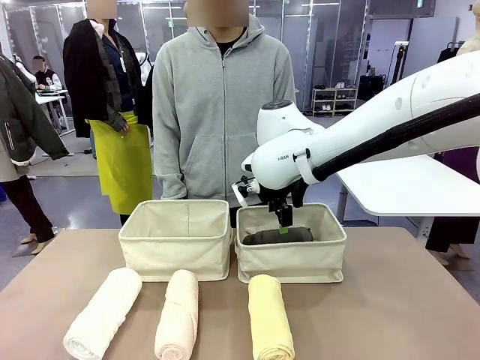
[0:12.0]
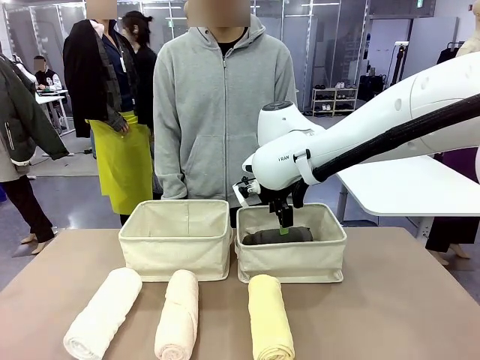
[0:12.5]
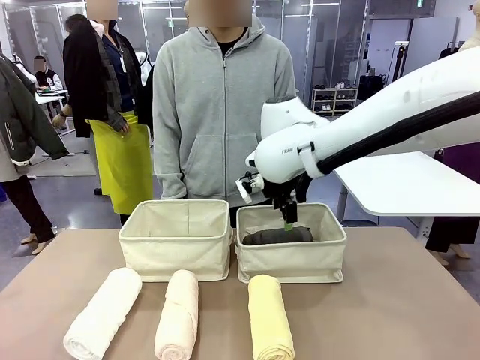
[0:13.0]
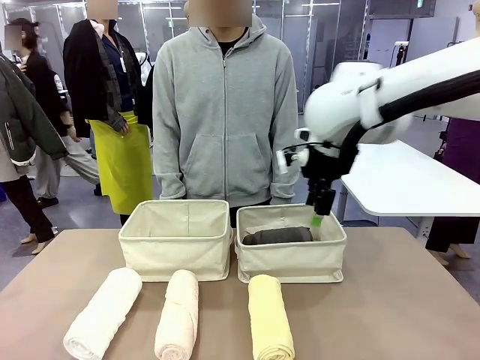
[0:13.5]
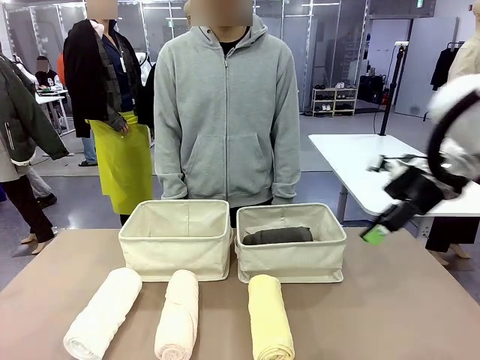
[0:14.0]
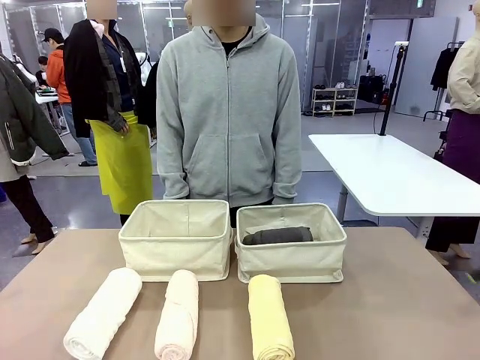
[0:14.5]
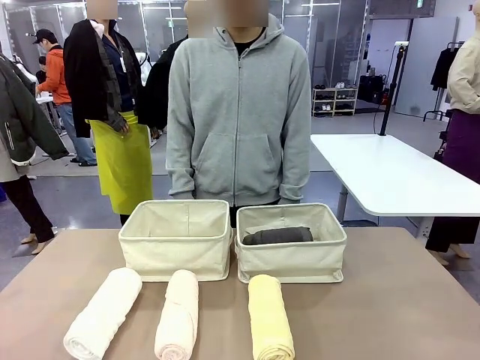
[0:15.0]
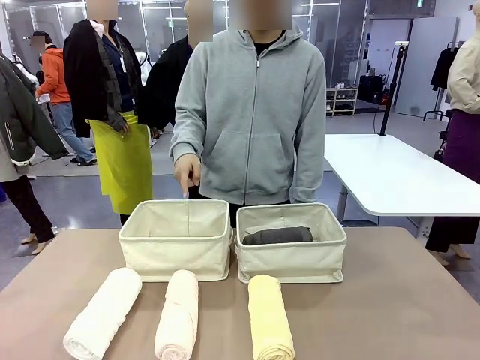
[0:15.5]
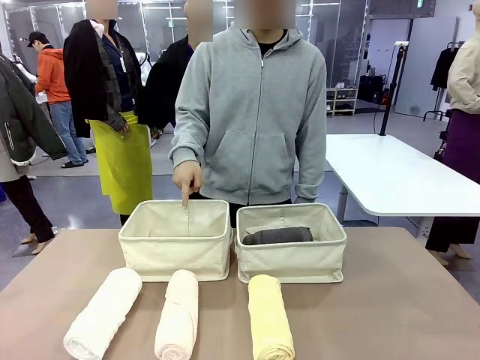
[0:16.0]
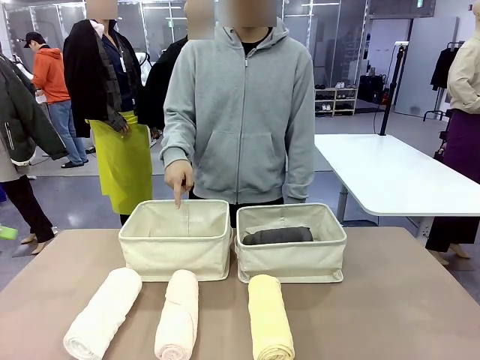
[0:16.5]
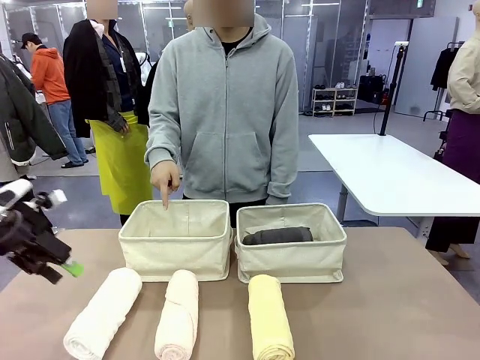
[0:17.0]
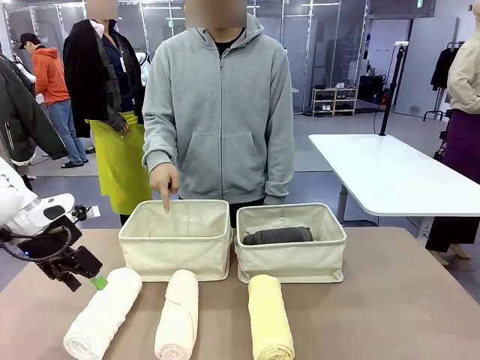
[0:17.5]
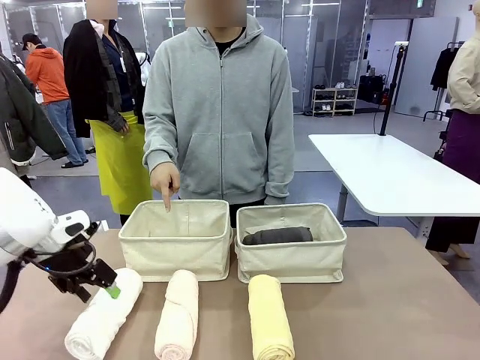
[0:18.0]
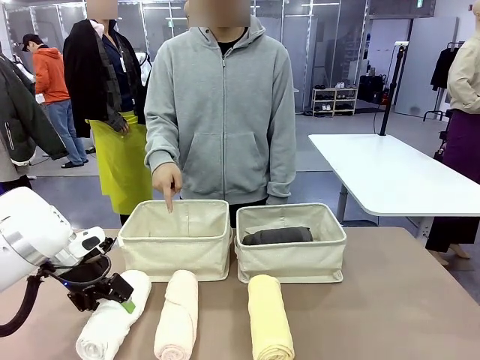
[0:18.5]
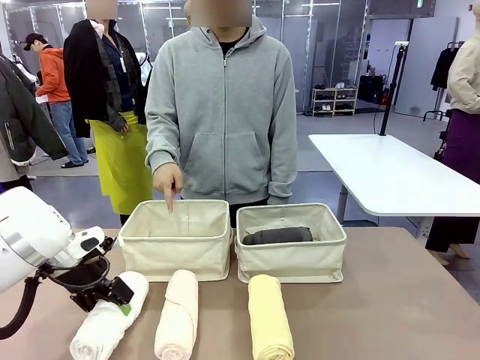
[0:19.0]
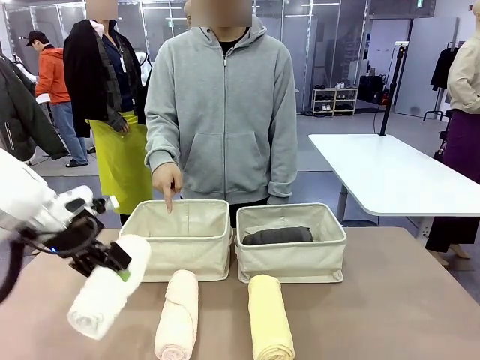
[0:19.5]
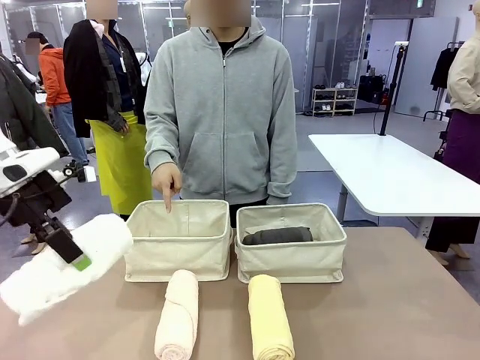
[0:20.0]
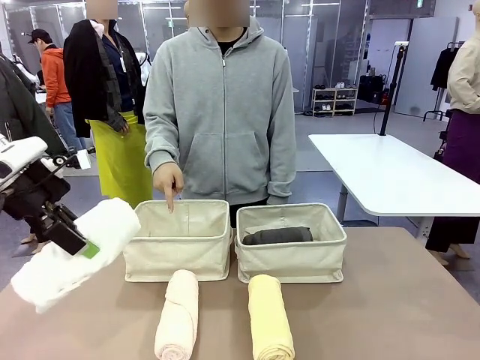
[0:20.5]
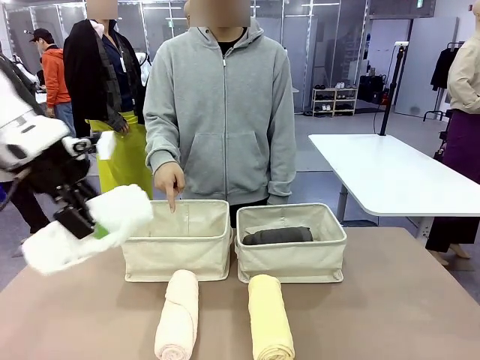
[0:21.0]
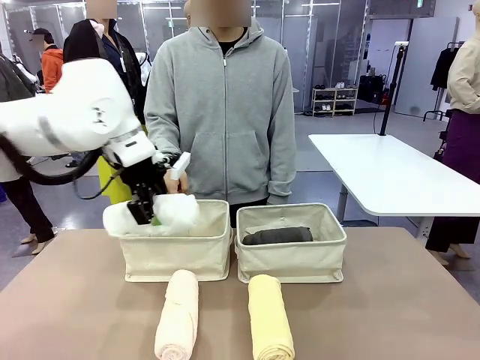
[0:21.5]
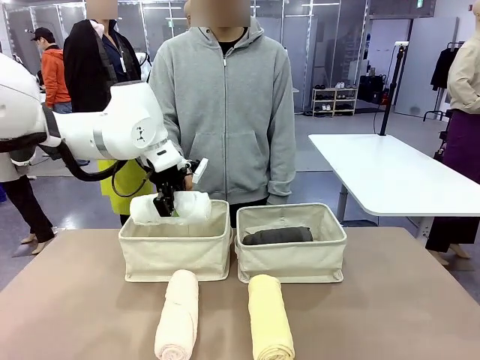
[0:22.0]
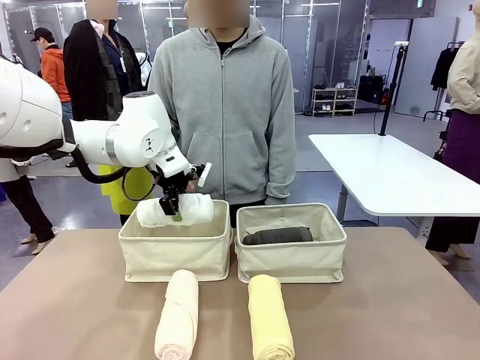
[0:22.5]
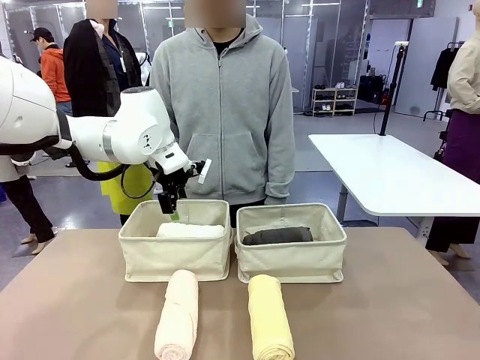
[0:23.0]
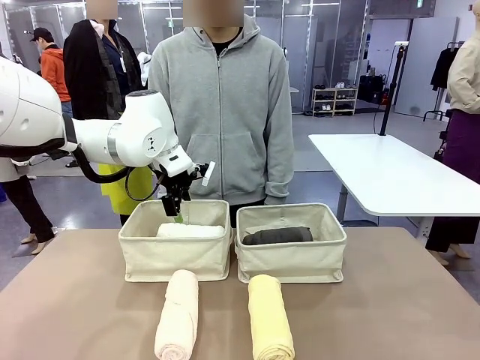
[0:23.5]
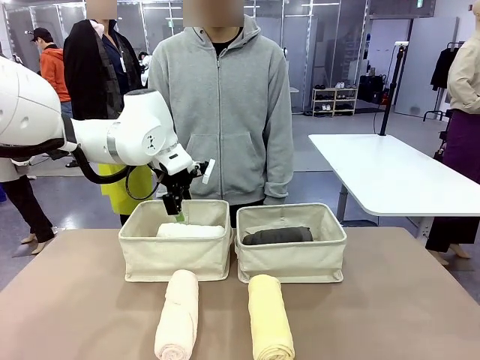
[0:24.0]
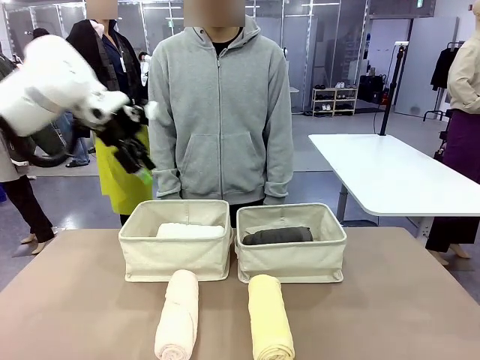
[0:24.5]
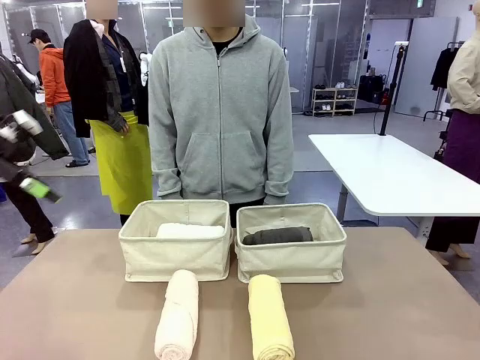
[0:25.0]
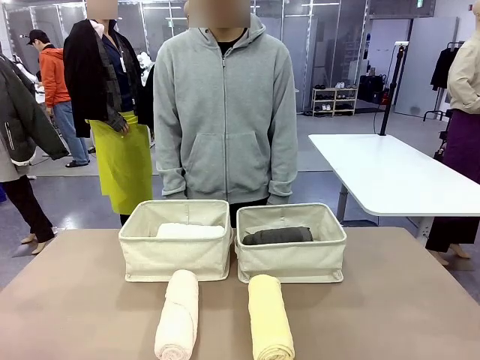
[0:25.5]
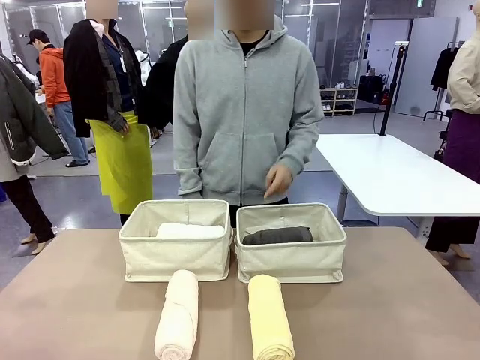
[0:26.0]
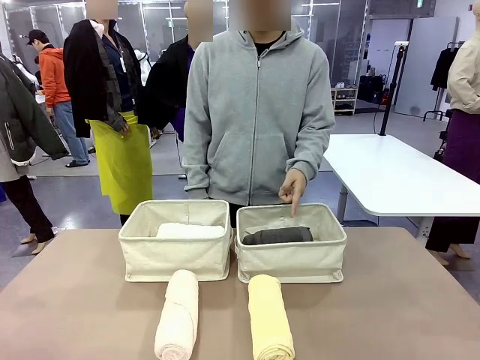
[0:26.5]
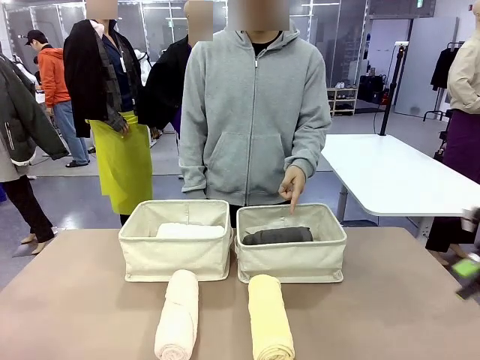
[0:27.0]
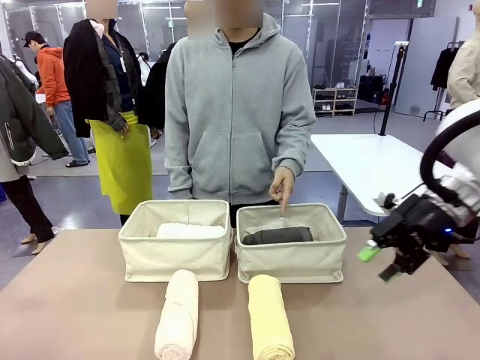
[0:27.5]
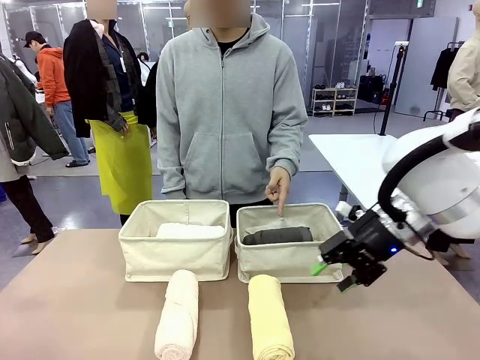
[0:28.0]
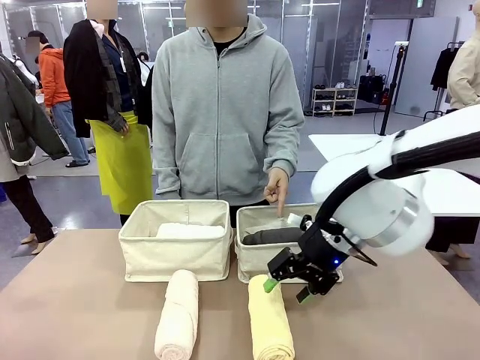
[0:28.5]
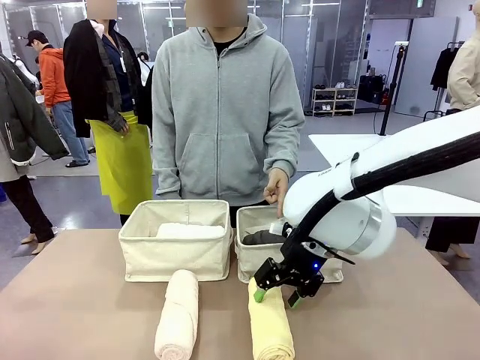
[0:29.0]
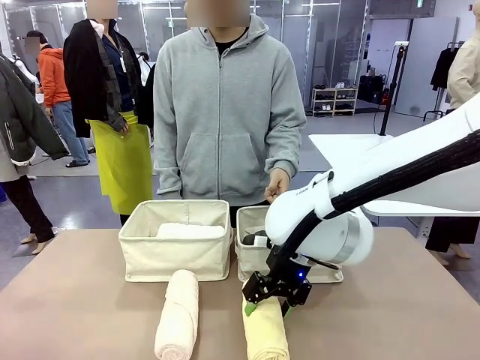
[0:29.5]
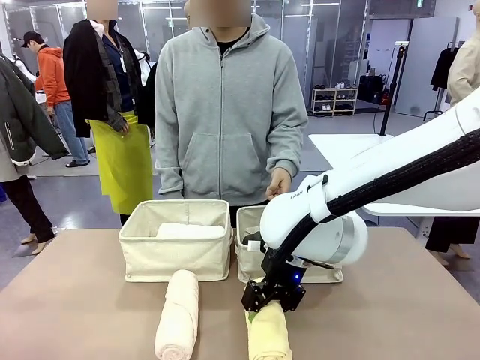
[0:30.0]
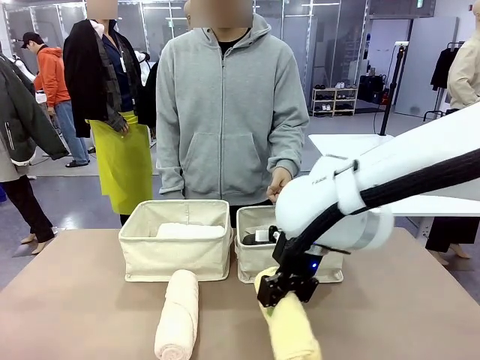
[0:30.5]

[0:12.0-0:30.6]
Task: Divide the towels into two baskets.
Robot: Pick up one hotel-folded towel from the bottom of the table and place it in the Fabric basket indicated by the person.
